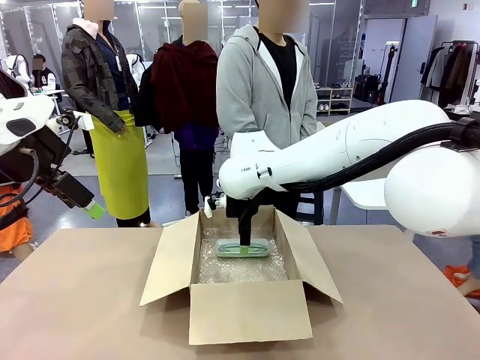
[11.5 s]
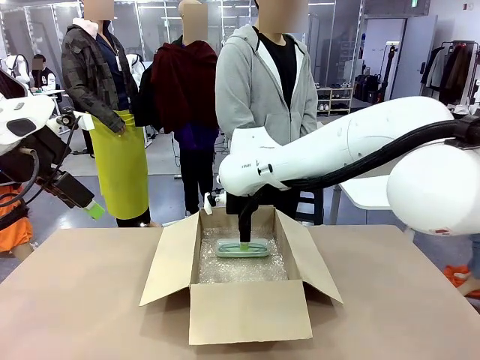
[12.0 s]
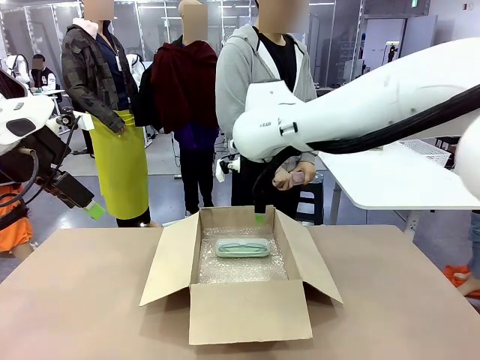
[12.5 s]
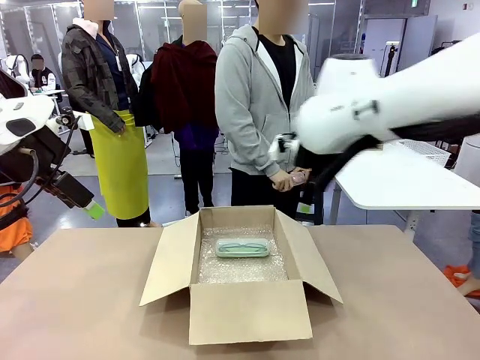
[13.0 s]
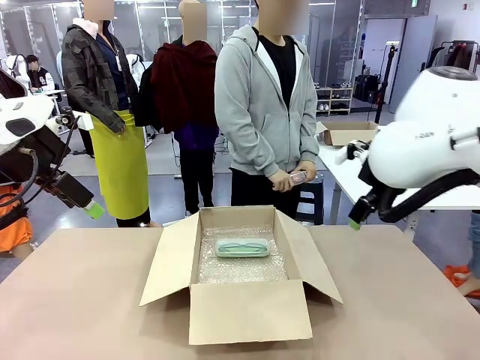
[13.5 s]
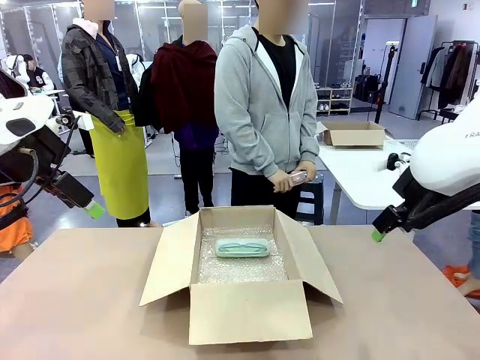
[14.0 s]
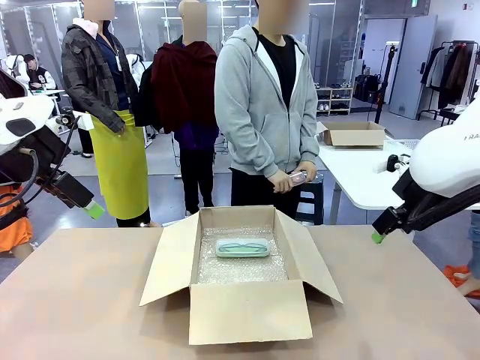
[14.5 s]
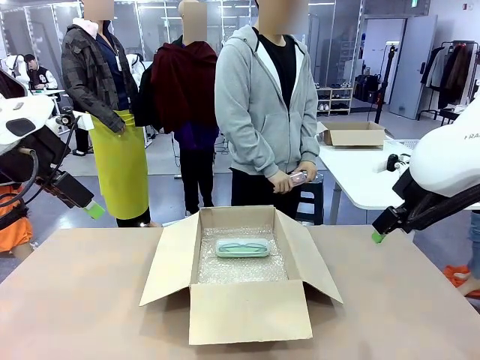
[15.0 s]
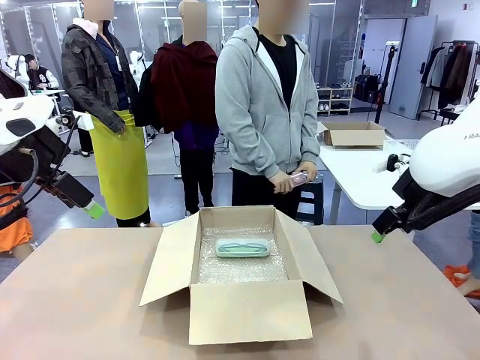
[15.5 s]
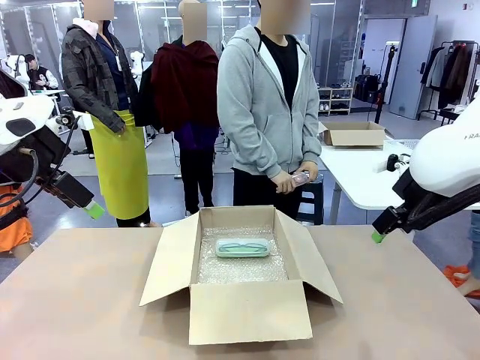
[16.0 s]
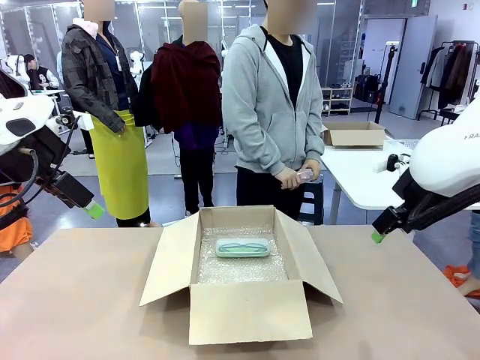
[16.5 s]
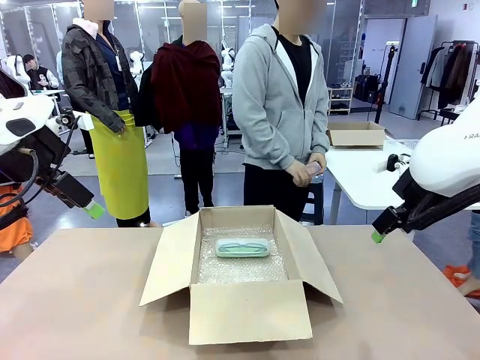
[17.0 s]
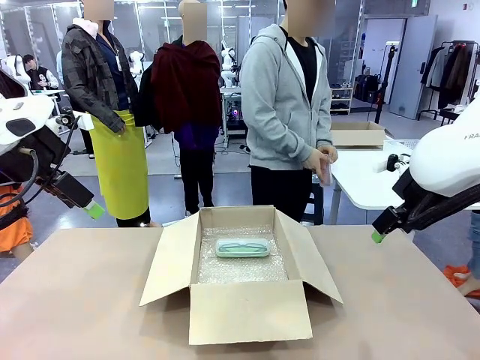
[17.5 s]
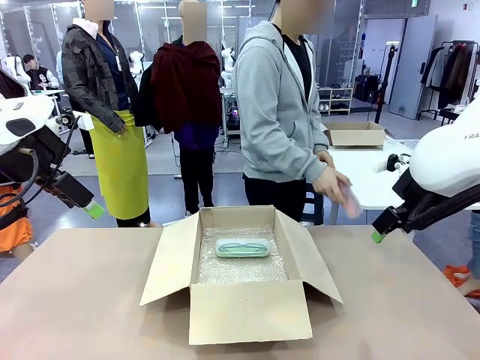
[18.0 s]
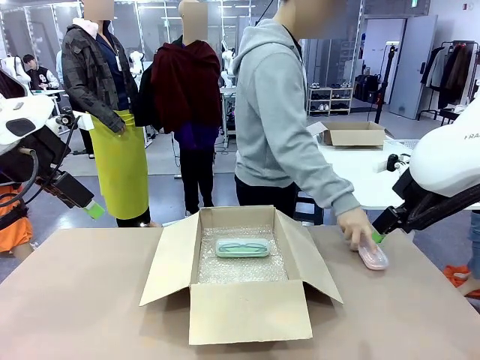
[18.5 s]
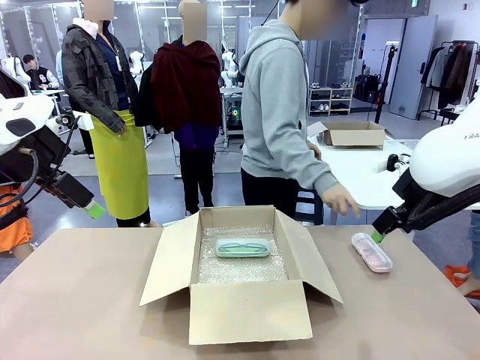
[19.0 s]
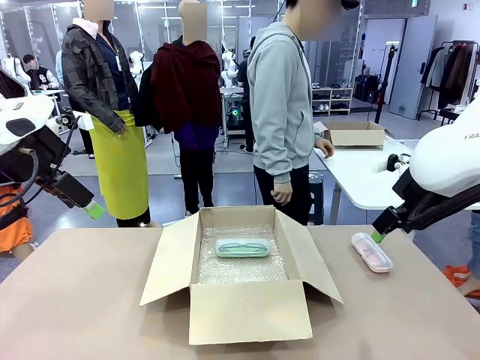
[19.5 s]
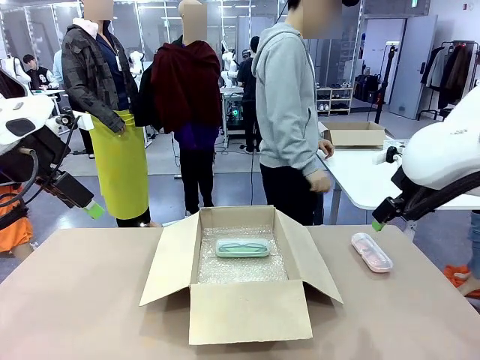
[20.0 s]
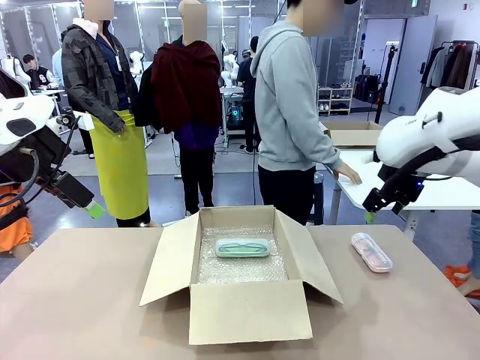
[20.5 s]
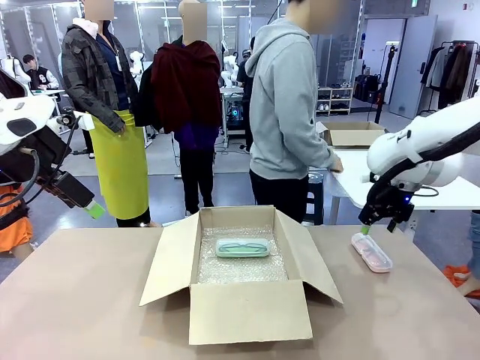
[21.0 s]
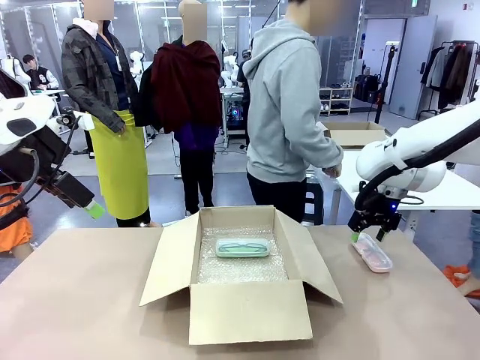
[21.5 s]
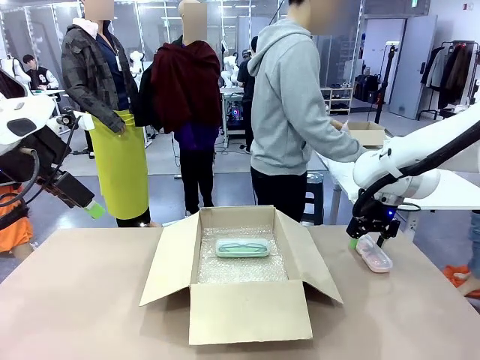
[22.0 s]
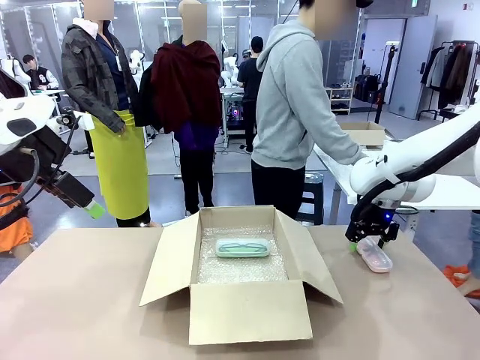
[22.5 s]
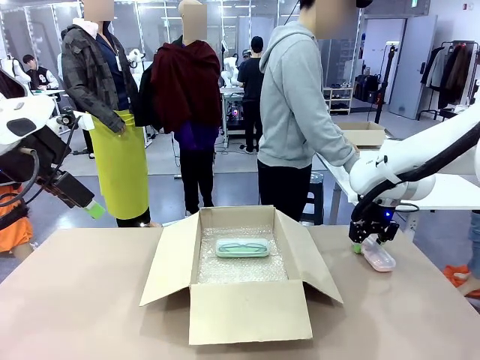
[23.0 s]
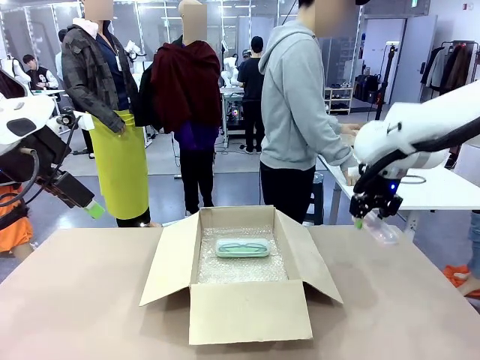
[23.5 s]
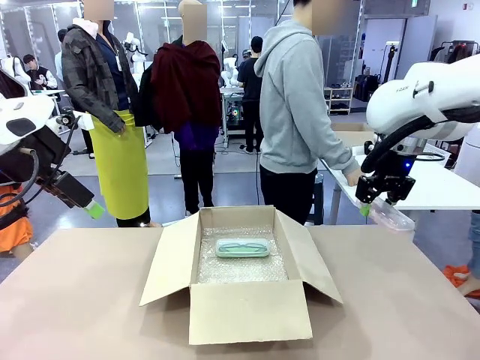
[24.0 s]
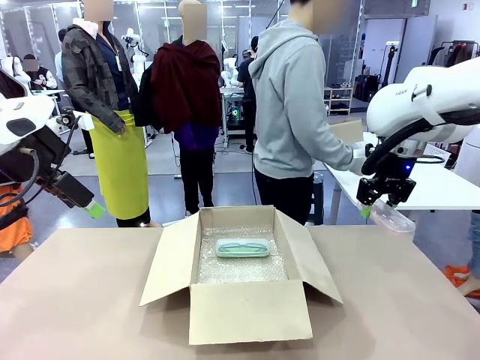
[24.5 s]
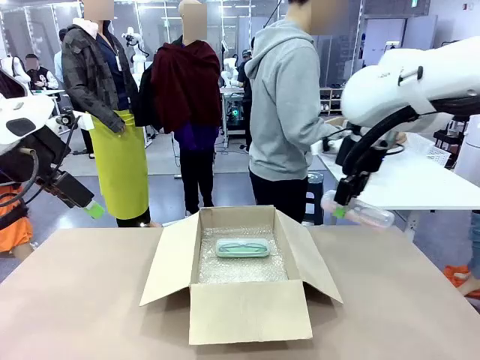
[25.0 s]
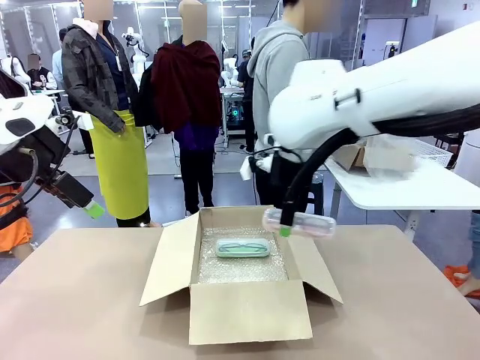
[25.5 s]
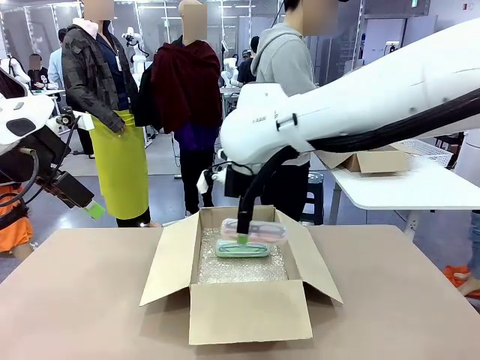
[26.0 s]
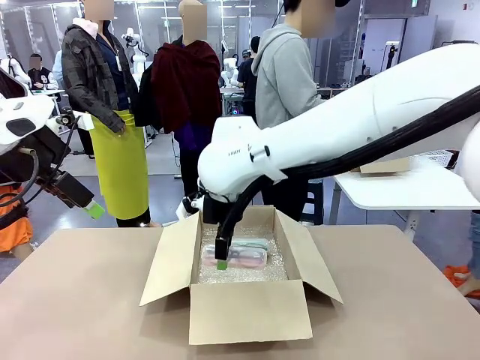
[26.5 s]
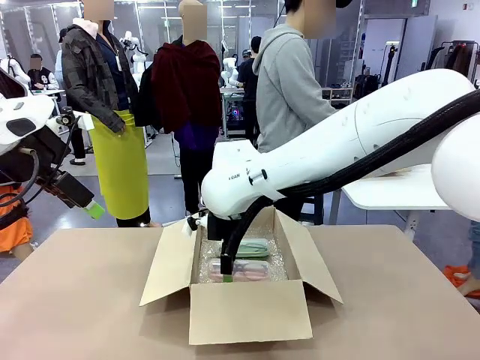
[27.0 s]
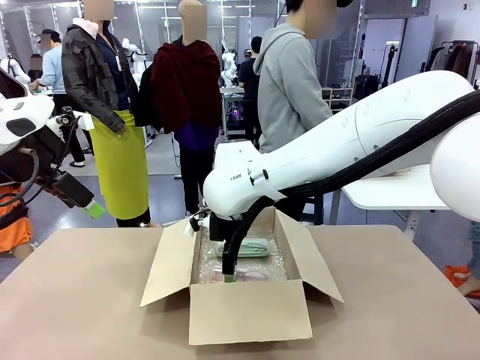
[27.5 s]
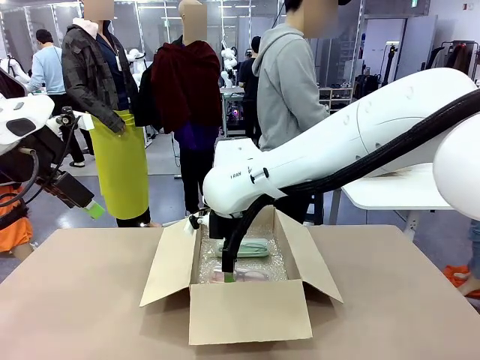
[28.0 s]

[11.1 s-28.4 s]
Task: Pack the glasses set securely to prepare it for shipping.
Robot: Put the Glasses case from the right side of the table into the Package Box.
Person: Position the Glasses case on the left side of the robot's table.
